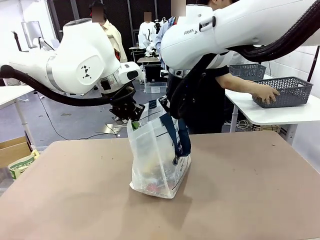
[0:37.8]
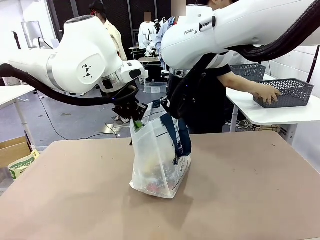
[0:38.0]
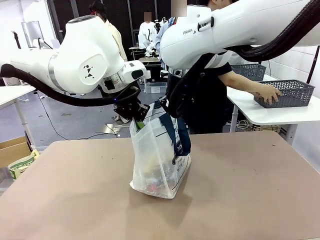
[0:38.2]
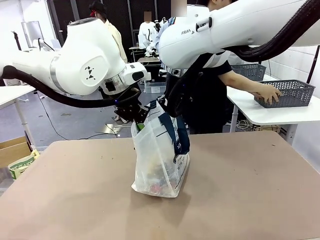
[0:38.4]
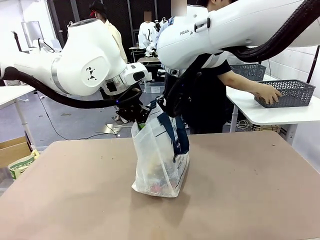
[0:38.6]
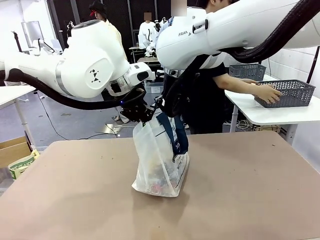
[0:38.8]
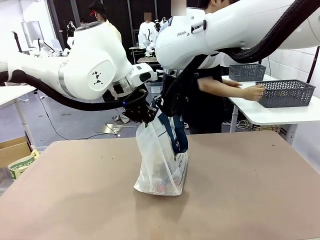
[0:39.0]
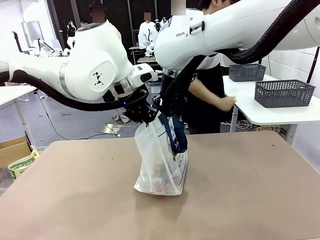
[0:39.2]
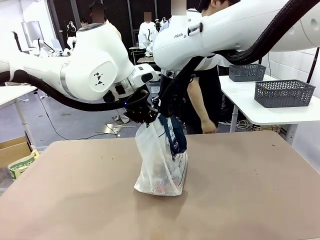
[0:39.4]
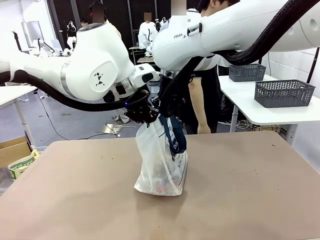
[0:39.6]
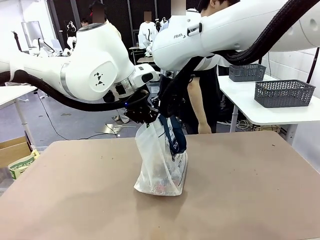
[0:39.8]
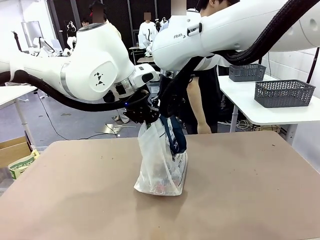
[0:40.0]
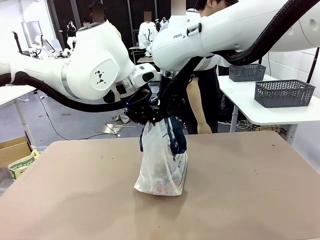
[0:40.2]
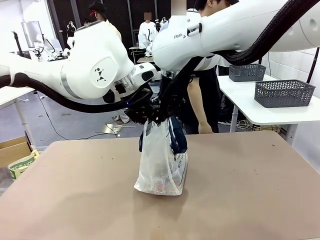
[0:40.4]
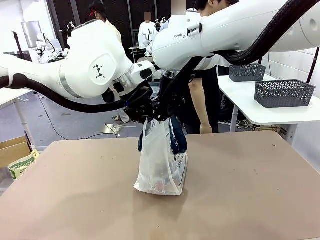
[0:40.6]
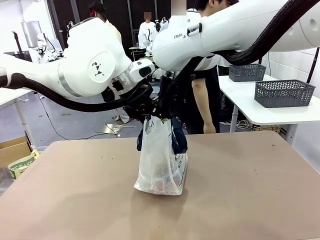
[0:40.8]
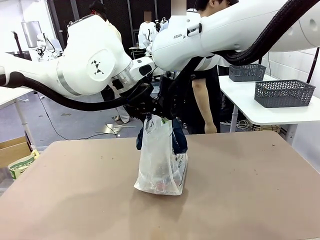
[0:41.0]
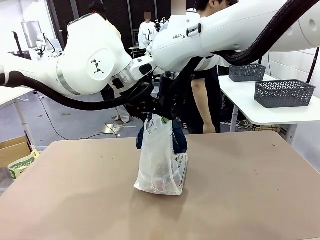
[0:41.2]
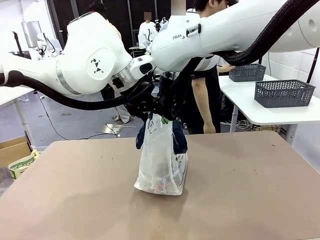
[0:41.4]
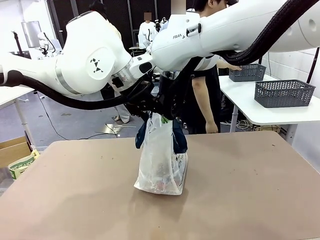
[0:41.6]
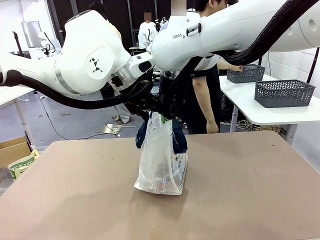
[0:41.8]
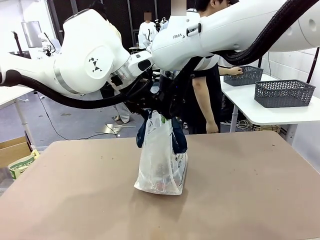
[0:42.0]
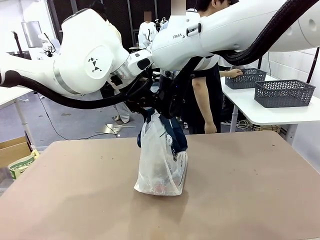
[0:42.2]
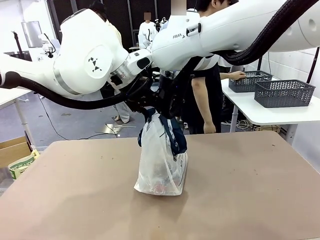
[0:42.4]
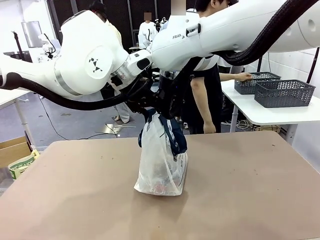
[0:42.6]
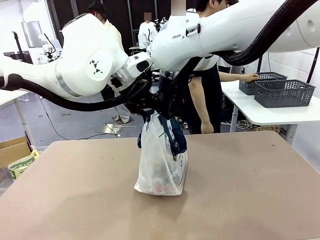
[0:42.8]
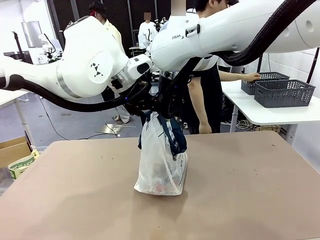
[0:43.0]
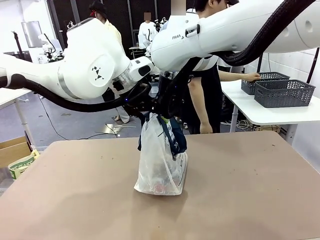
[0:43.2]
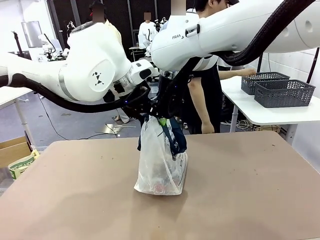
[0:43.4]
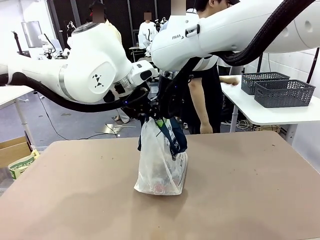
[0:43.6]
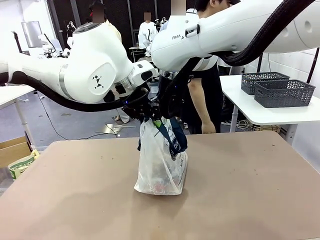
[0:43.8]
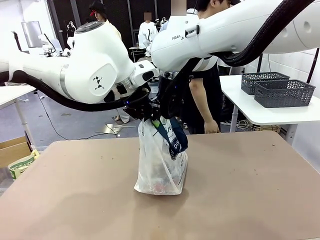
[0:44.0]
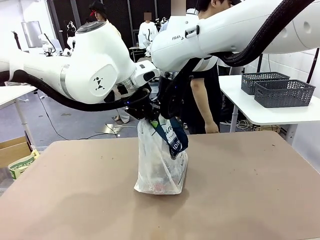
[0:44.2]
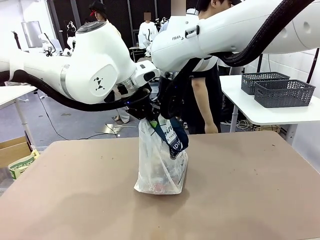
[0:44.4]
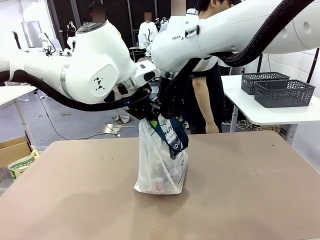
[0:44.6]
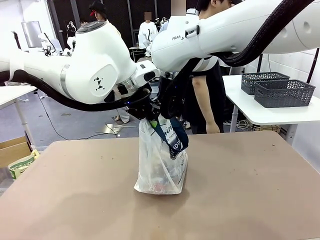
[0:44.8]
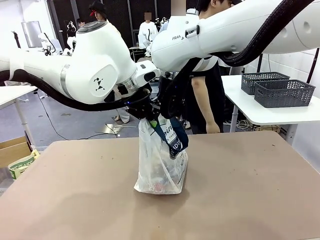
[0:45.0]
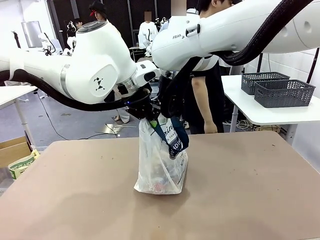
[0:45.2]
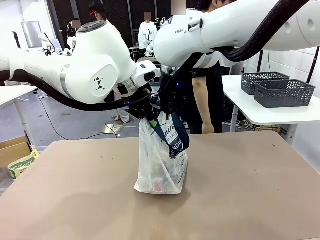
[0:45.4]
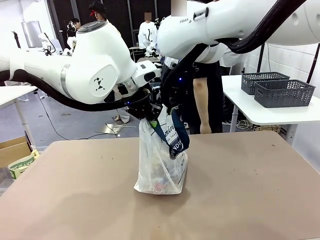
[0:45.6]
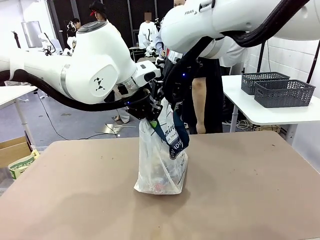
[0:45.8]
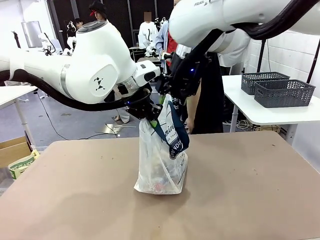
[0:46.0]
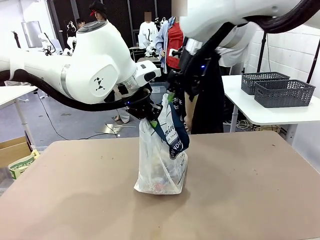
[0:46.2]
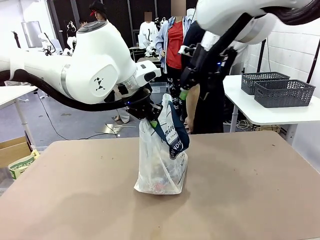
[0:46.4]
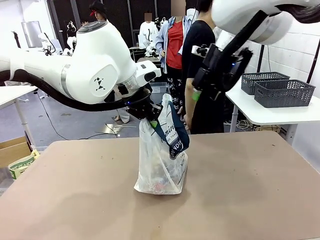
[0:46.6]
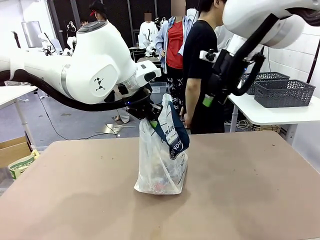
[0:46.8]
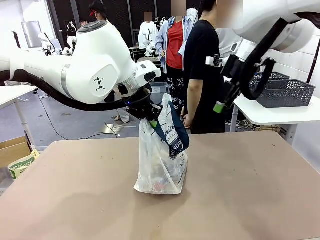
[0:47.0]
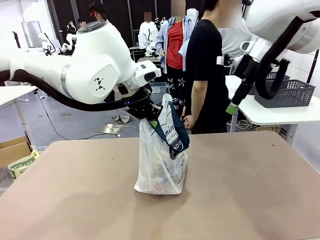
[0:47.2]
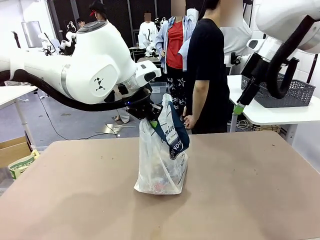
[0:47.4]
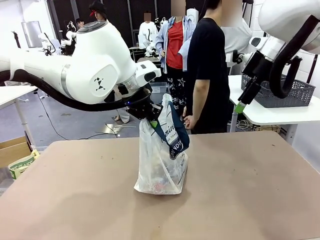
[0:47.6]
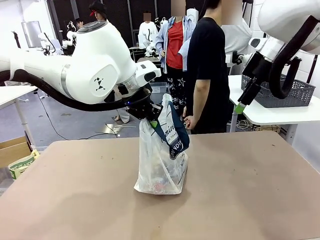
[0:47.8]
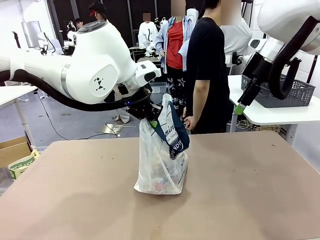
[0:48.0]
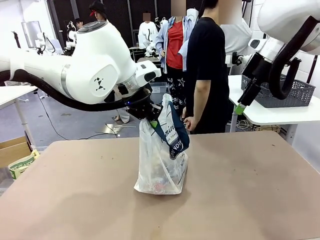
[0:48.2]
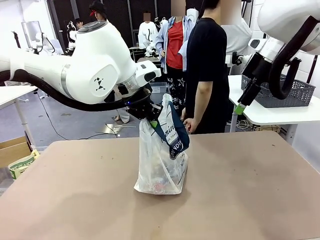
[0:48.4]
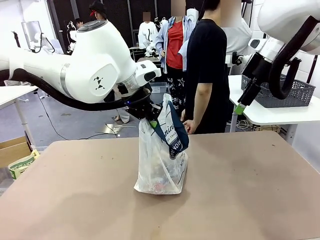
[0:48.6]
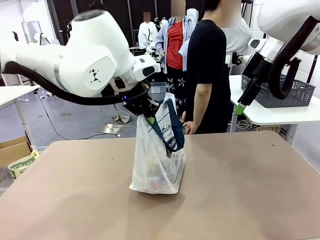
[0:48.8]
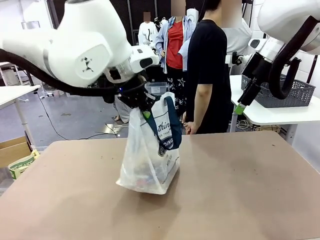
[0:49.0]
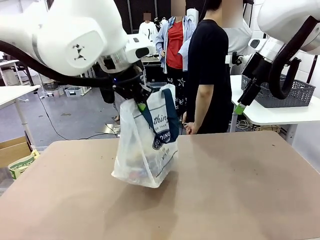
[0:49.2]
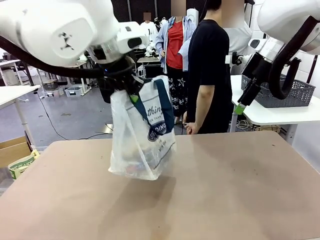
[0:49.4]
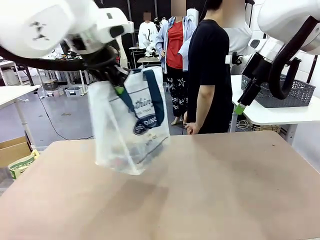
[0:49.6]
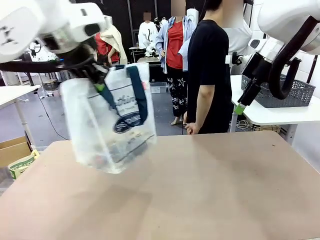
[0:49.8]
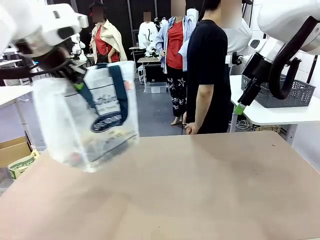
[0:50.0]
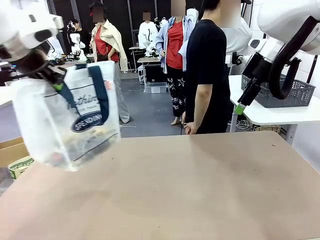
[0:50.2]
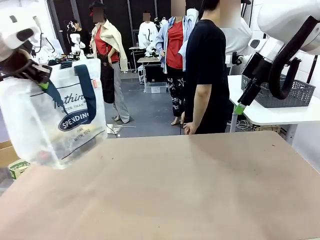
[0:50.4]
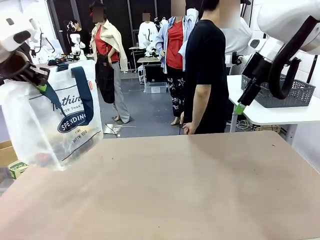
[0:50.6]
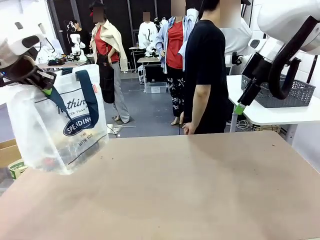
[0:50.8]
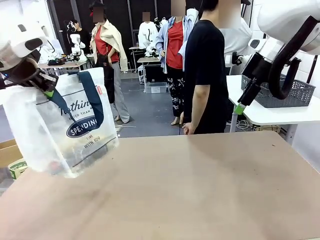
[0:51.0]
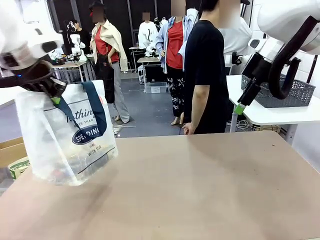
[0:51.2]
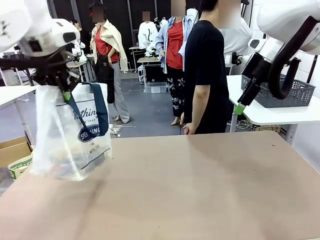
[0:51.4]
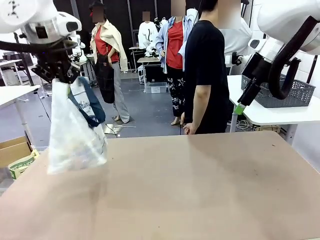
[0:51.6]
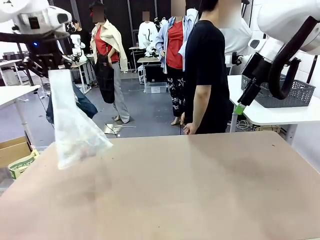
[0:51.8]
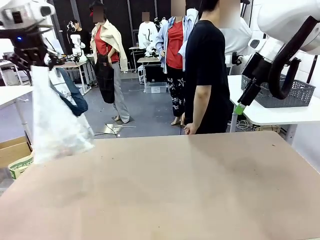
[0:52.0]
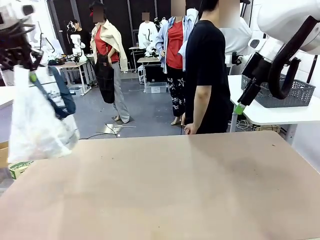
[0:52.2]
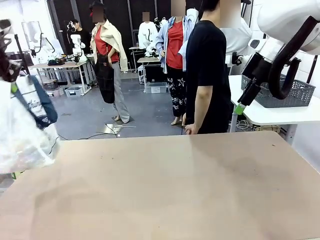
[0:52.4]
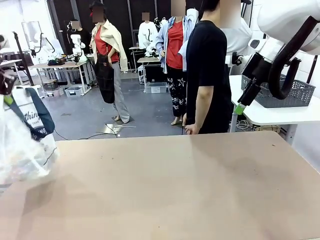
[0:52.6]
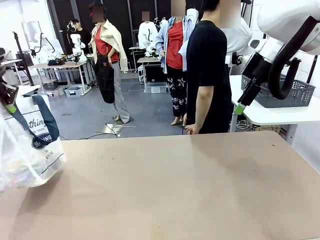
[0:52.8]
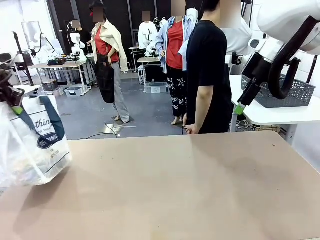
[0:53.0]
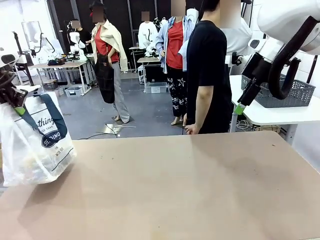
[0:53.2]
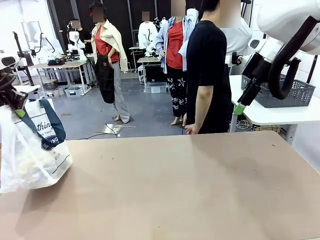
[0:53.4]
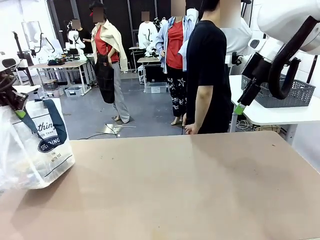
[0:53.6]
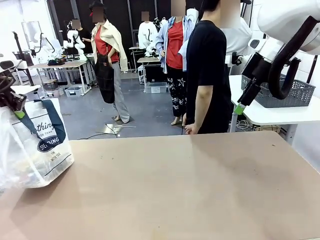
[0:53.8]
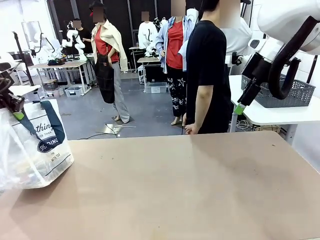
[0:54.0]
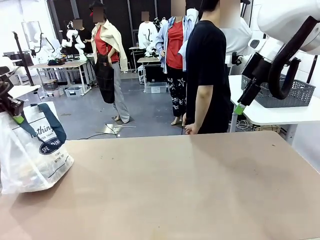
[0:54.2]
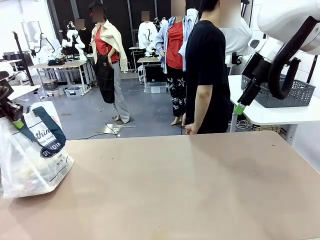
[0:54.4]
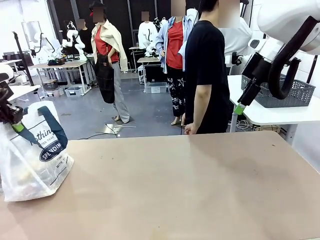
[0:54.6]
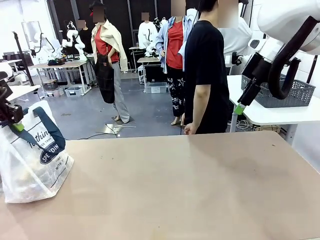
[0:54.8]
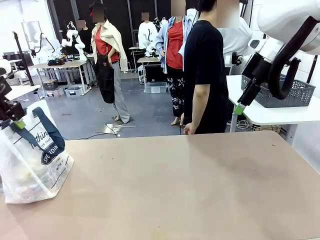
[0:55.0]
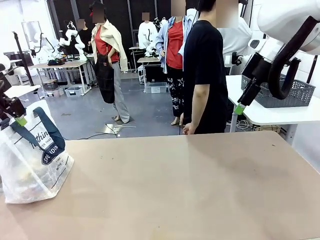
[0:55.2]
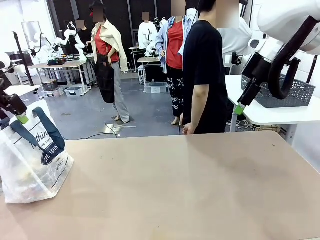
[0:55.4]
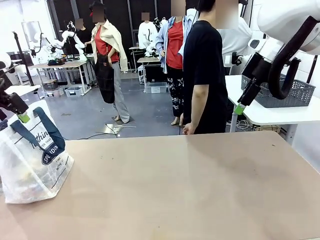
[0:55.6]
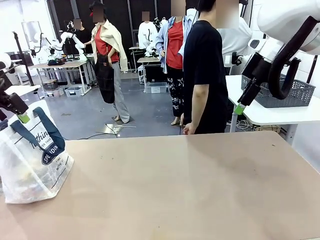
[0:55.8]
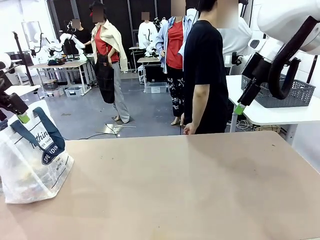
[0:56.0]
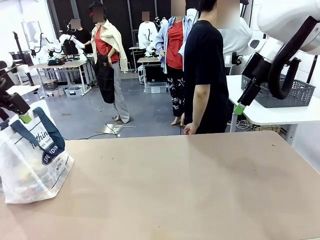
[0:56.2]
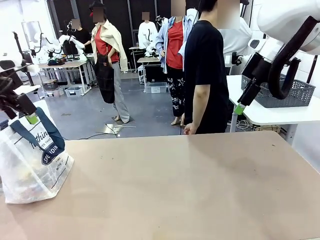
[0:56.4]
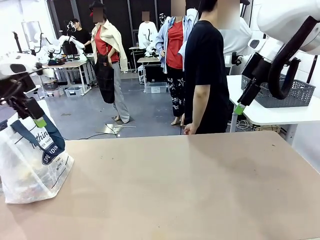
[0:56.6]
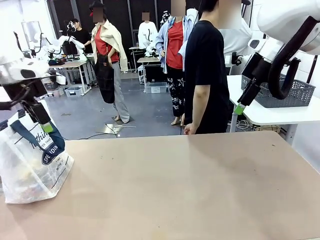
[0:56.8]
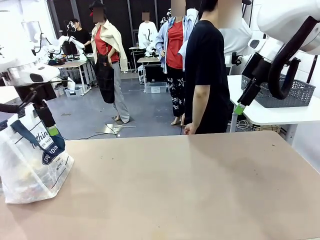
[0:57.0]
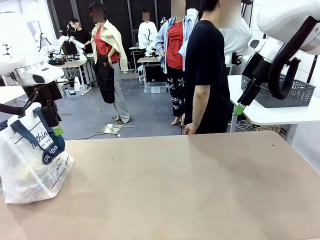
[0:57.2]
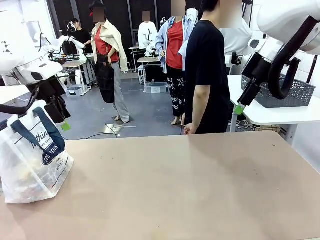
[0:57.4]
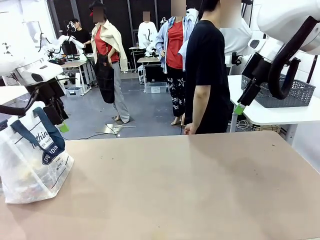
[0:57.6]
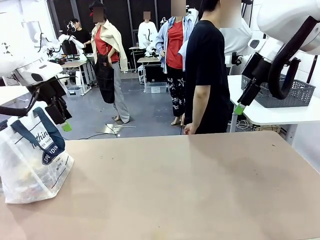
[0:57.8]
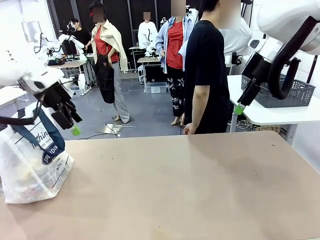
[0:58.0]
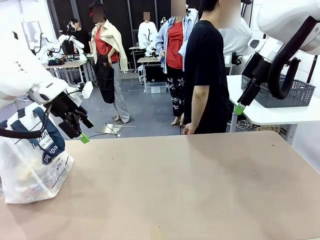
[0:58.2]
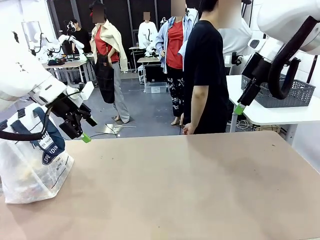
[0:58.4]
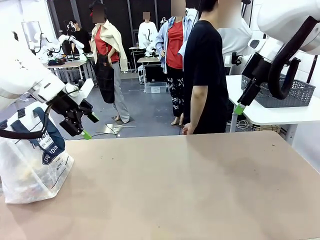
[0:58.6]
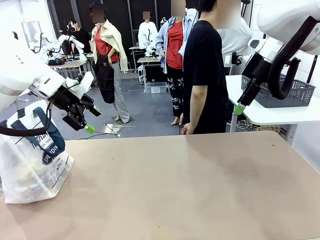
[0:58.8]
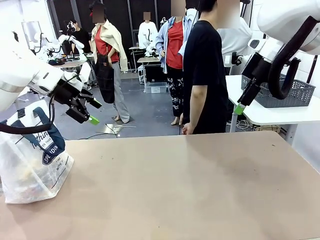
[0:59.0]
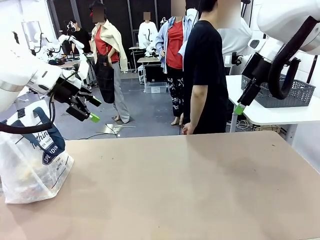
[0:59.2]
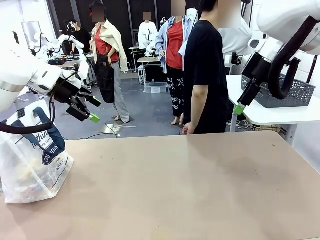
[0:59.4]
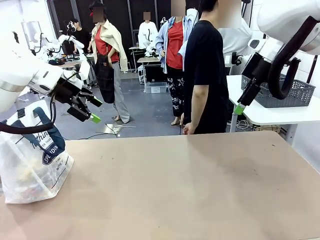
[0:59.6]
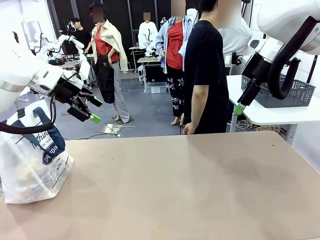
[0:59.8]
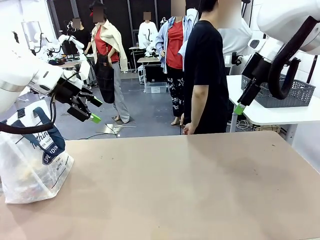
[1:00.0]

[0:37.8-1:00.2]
Task: Transfer purchased items from the store into the shopping bag.
Robot: Move the Reusable shopping bag to the right side of the table.
Person: Move the basket on the left to the middle of the person's table.
